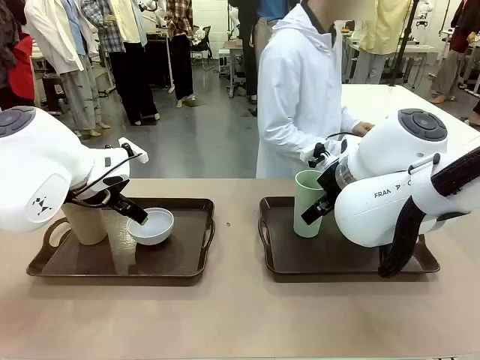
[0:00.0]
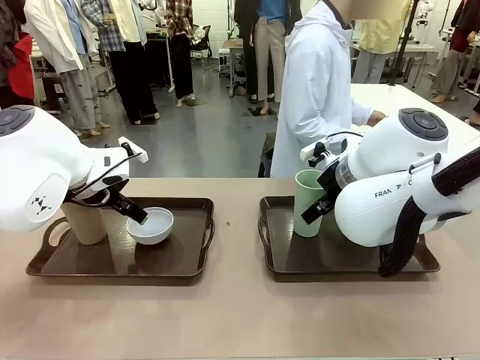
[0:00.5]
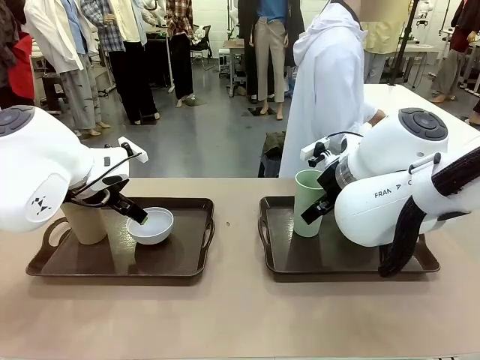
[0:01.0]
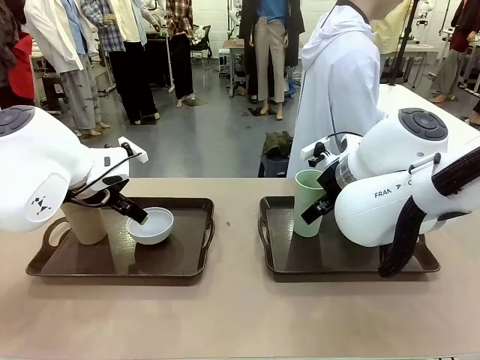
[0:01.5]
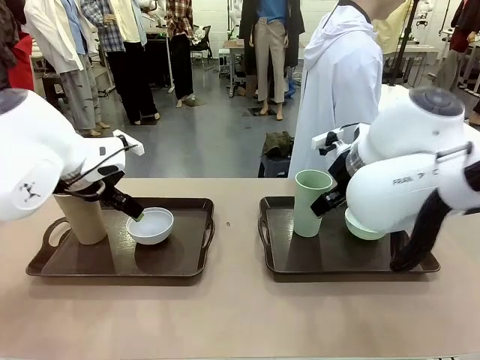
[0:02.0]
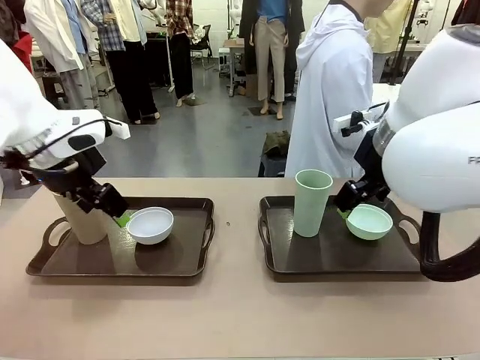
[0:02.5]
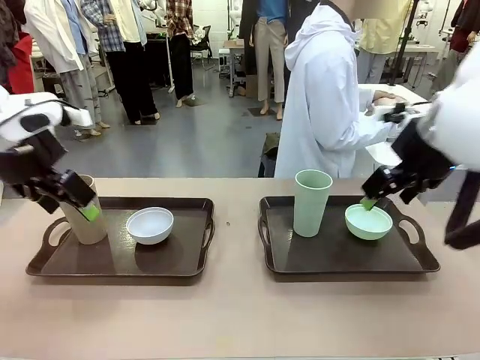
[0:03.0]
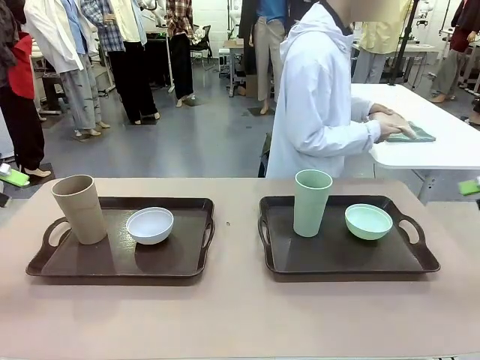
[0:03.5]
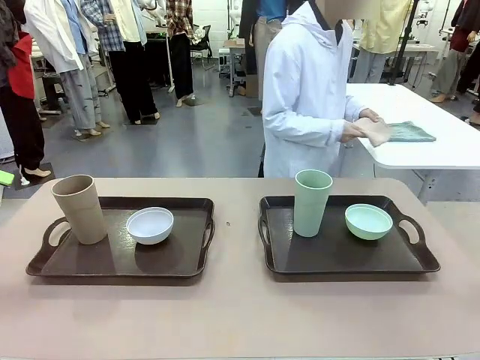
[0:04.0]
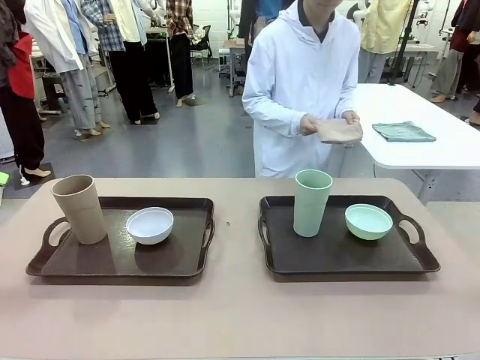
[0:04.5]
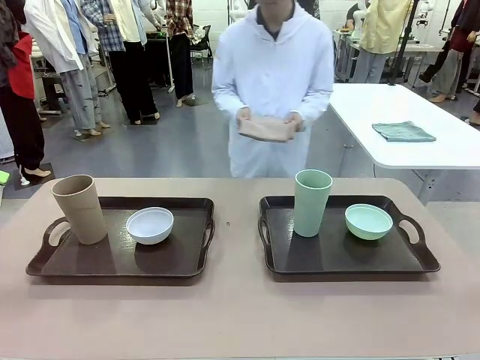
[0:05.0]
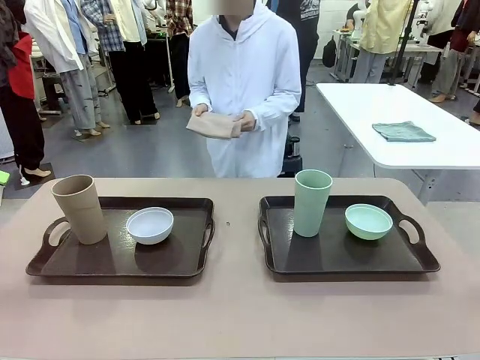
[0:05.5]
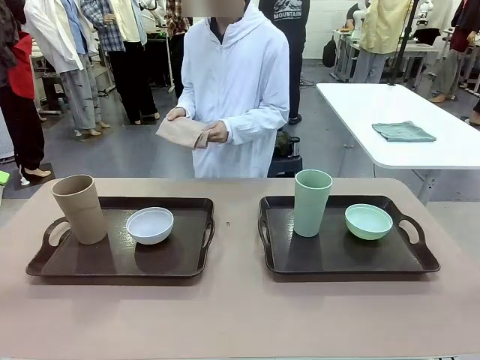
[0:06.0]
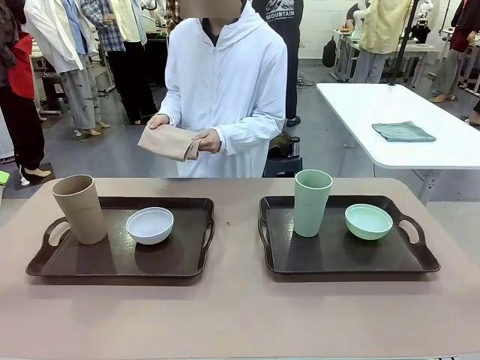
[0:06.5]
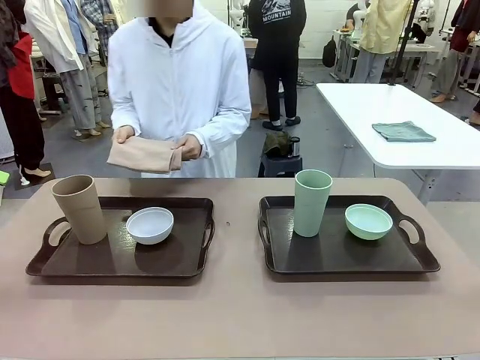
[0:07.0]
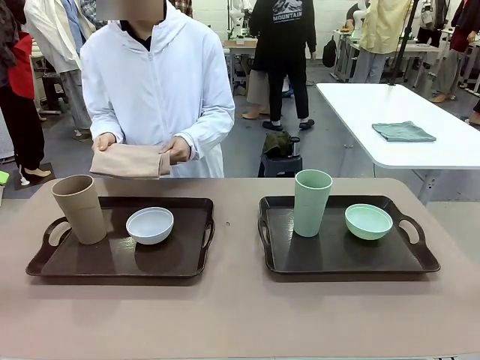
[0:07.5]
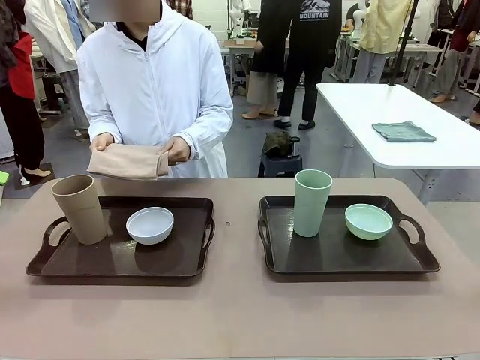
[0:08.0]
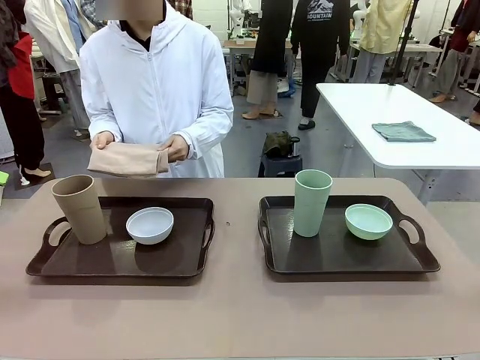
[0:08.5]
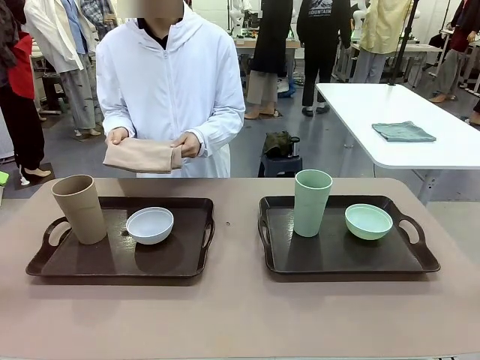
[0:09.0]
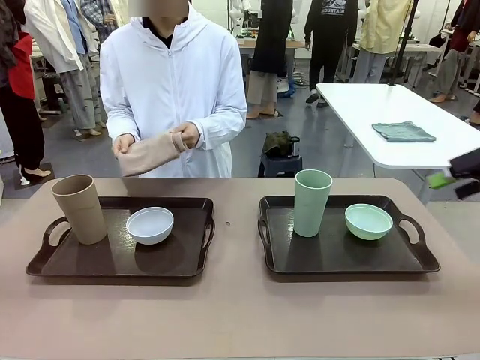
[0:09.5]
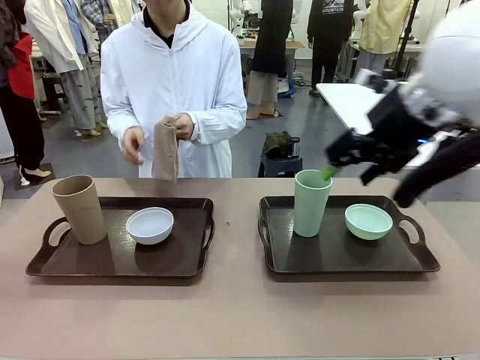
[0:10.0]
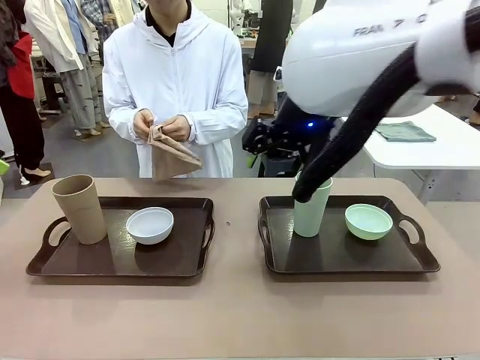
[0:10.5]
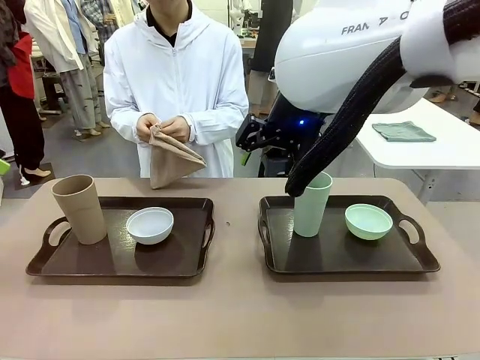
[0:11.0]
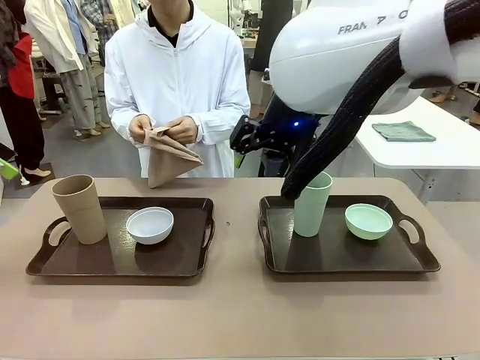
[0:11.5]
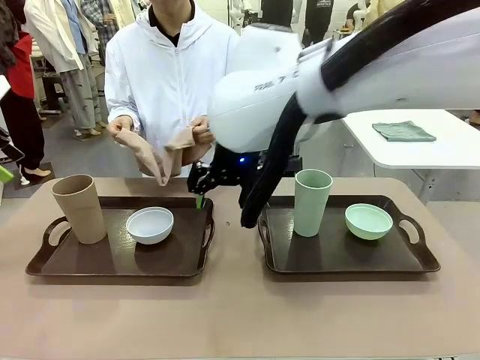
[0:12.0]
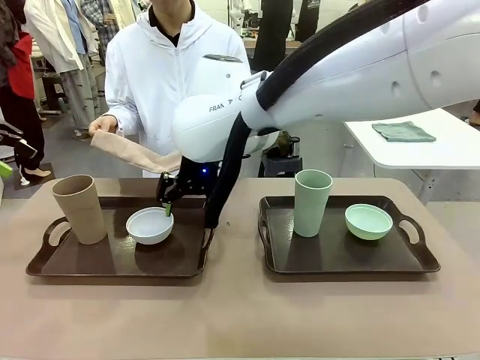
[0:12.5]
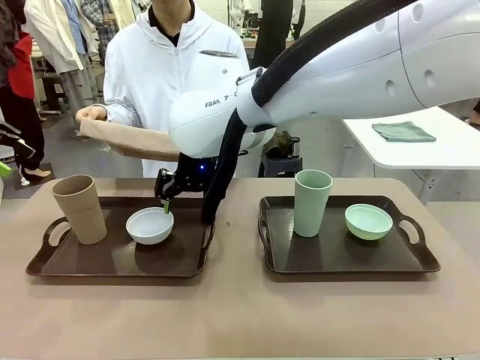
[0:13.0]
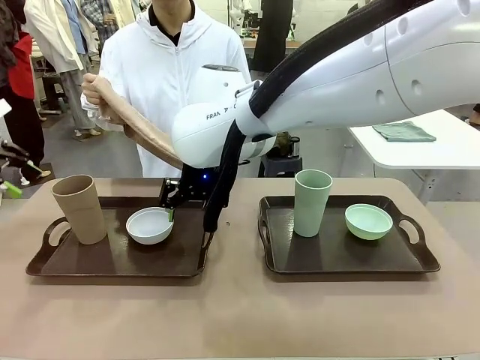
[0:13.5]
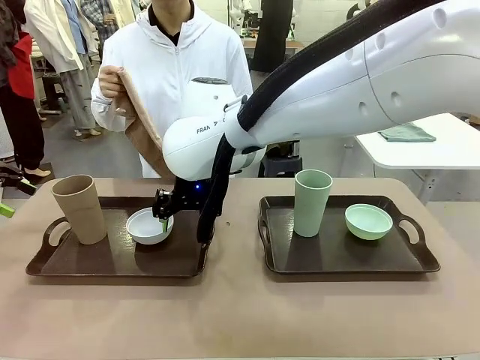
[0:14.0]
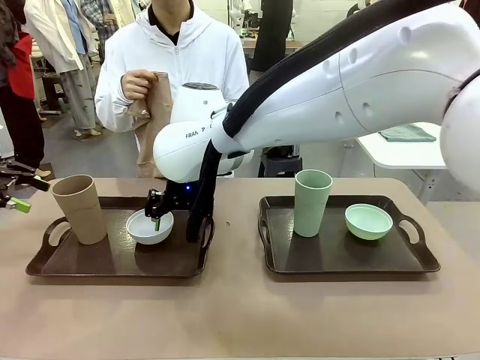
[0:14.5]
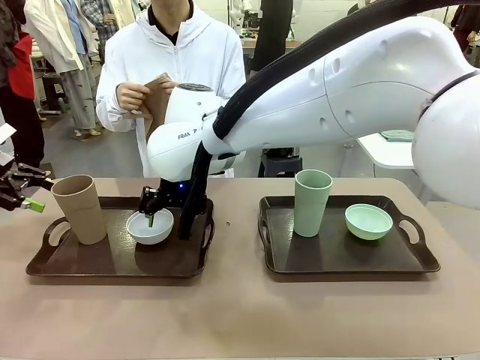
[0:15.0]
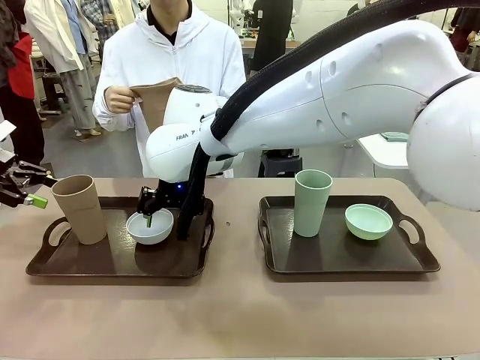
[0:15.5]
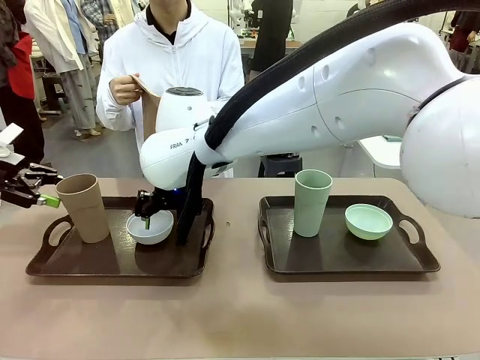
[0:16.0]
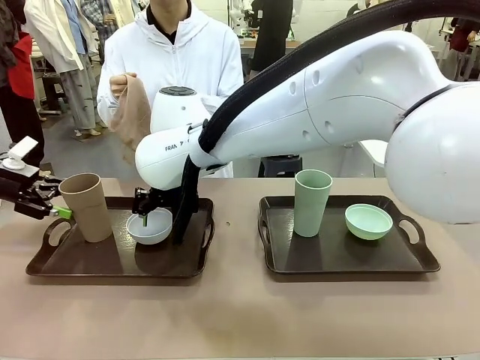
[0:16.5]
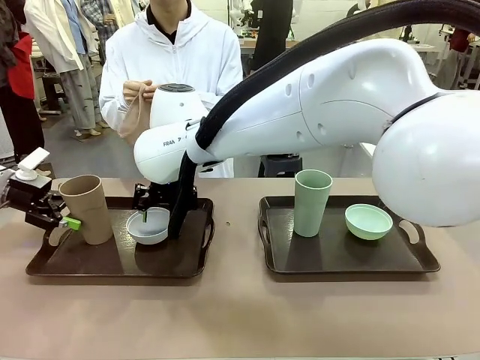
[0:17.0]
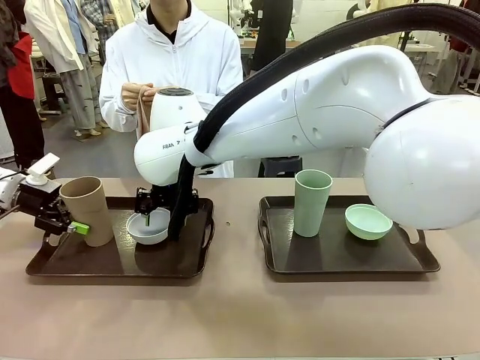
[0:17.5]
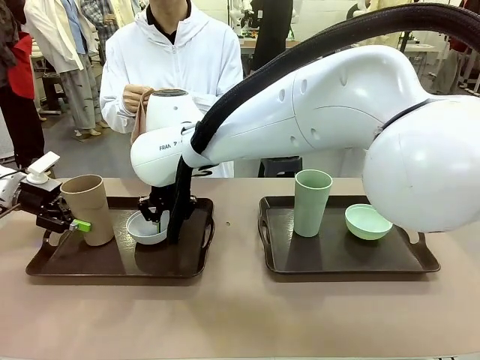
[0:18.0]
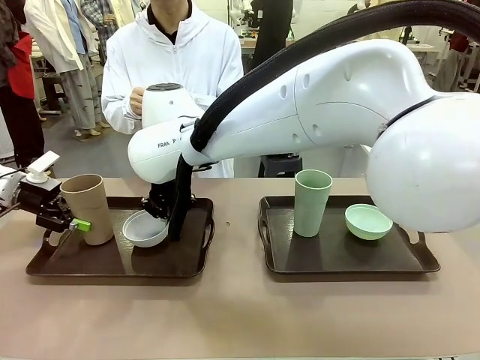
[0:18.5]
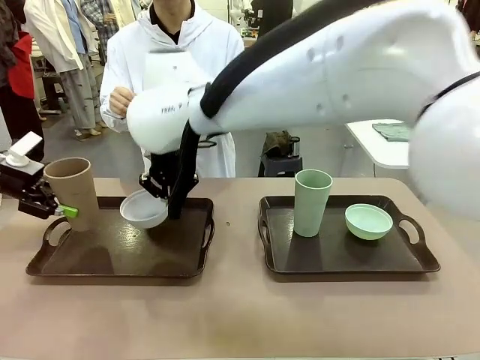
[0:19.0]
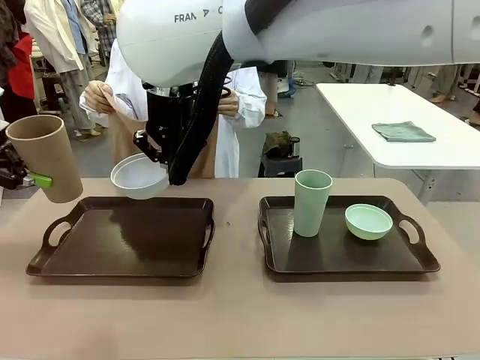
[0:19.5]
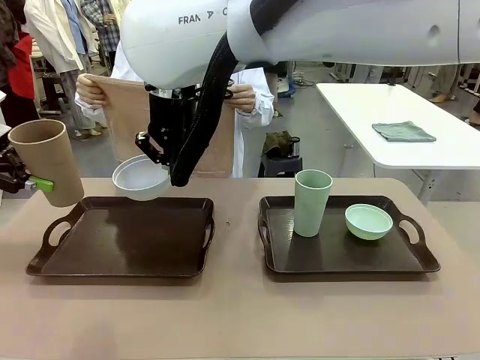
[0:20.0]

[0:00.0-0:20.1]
Robot: Pick up the Picnic Bowl and Reusable plastic cup from the Handle tray in front of the human's position and hold them in the air.
Person: The human picks up the top napkin from the stack on the human table and walks to the robot table to stand in front of one of the two trays. When the robot lifts the bowl and the cup, the human unfolds the napkin and lays the napkin flat on the tray.

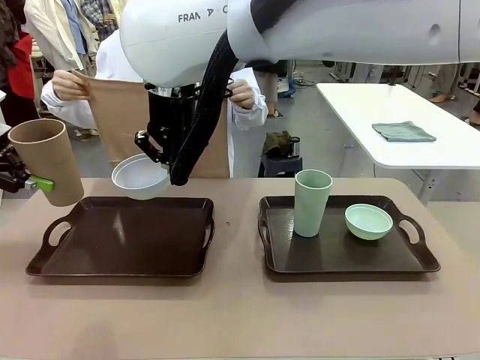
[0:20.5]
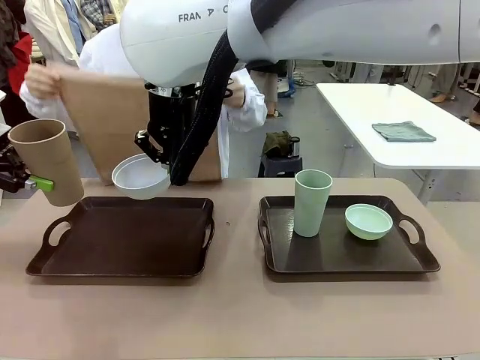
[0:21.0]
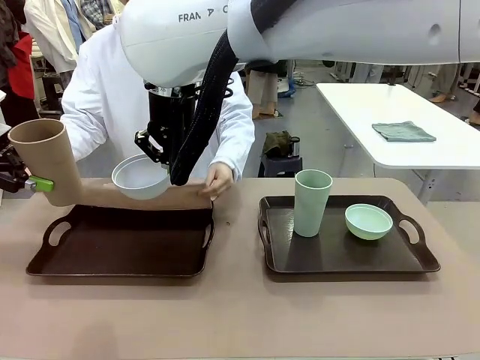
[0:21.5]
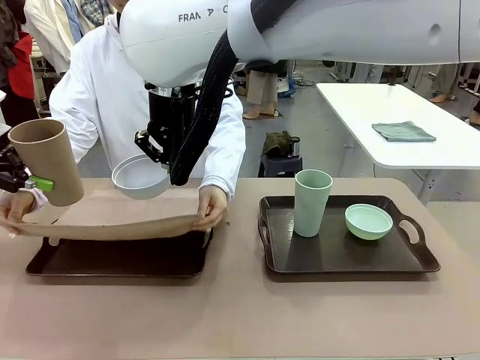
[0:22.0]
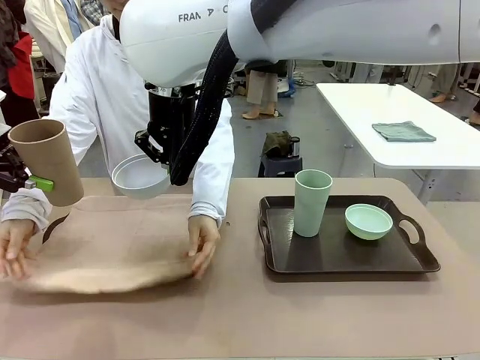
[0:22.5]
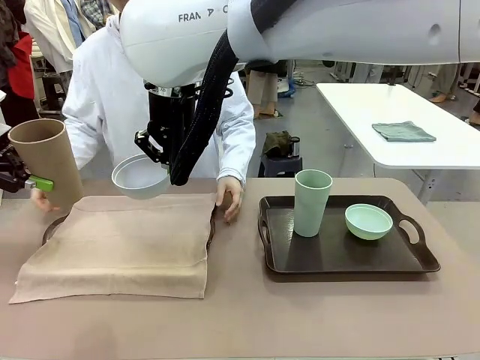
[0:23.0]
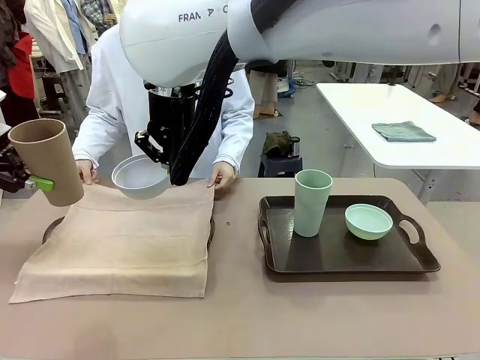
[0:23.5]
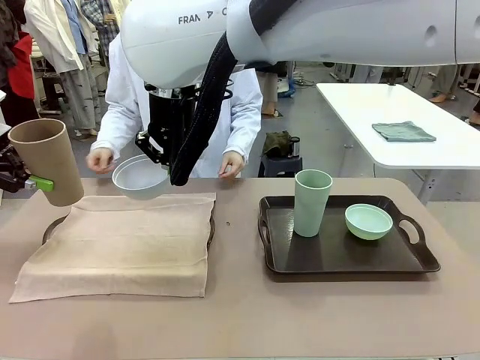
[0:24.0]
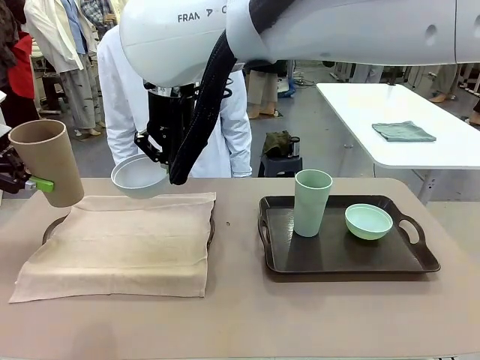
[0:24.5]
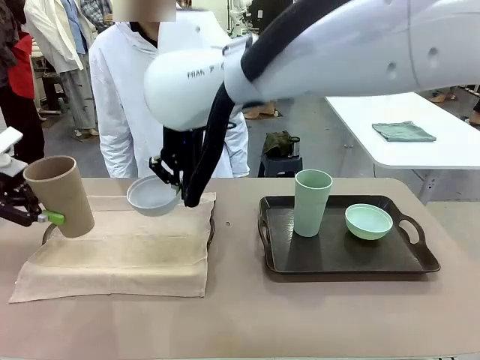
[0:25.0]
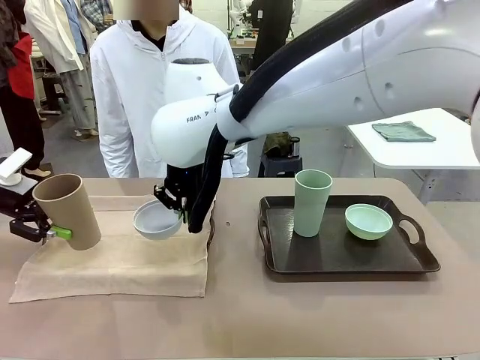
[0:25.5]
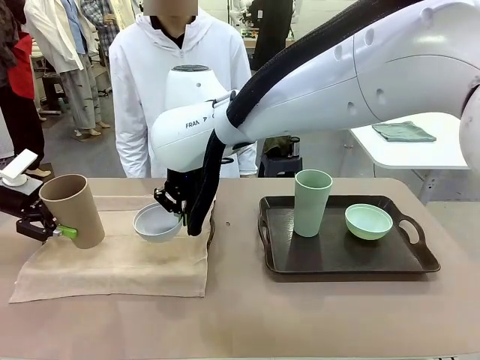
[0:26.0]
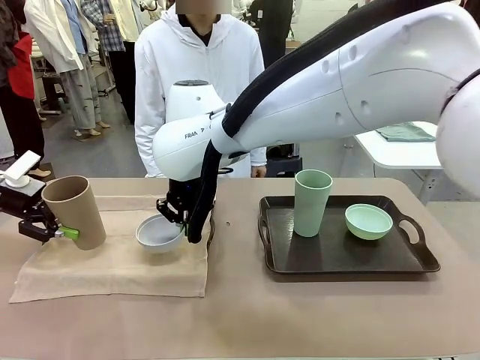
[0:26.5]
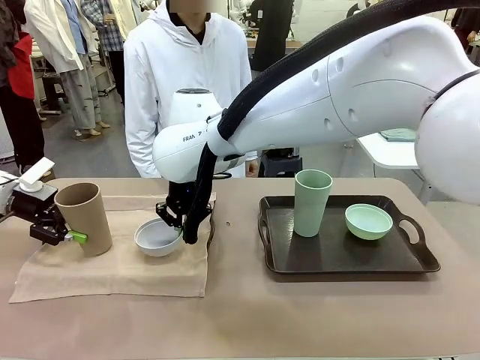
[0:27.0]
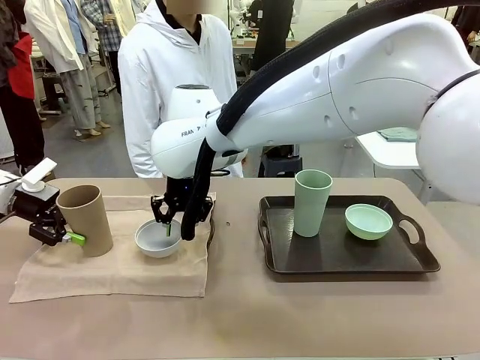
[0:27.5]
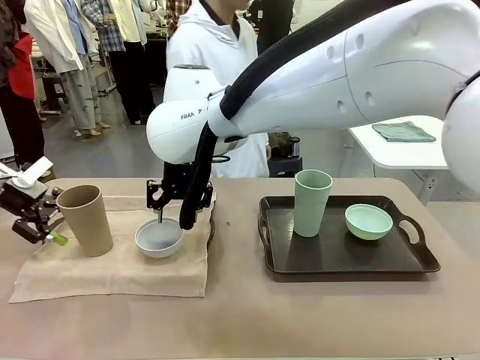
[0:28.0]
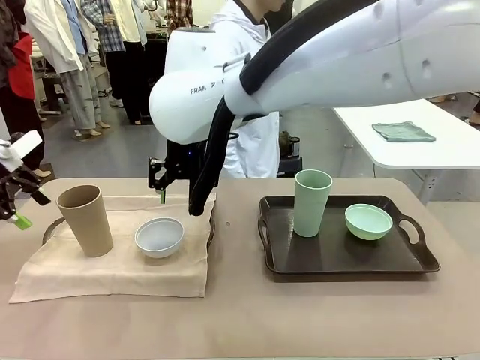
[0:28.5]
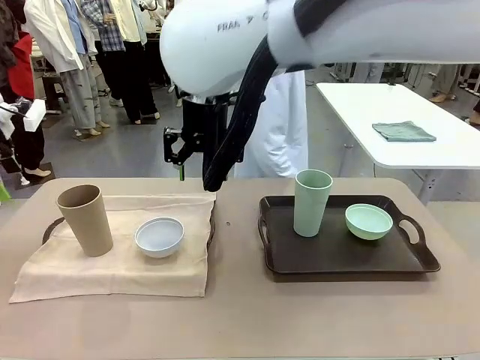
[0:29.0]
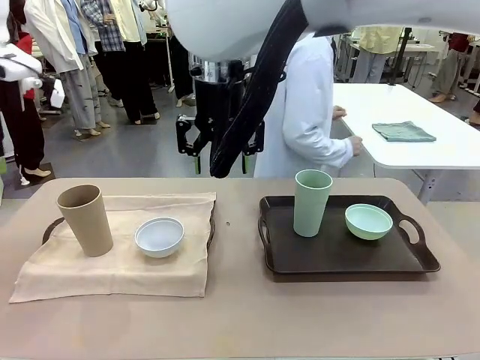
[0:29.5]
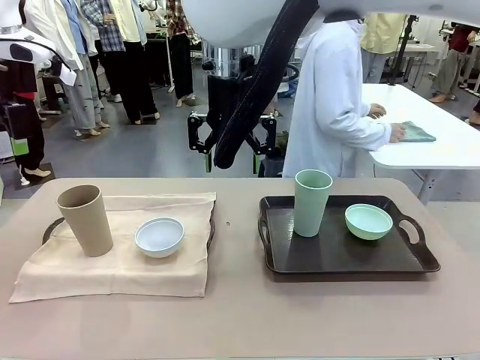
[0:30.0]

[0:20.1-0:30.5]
Robot: Place the Picnic Bowl and Reusable plastic cup back onto the Handle tray in front of the human's position.
Person: The human returns to the human table to pick up another napkin and walks to the robot table to stand in front of the tray without a napkin.
